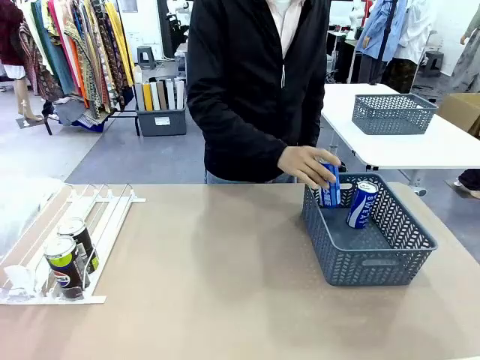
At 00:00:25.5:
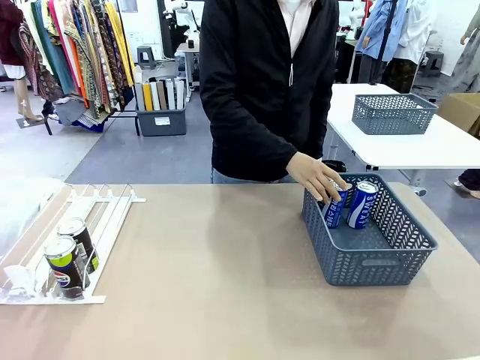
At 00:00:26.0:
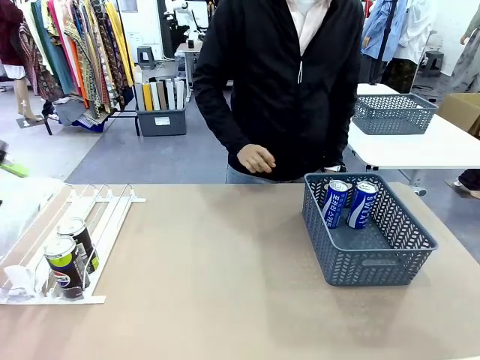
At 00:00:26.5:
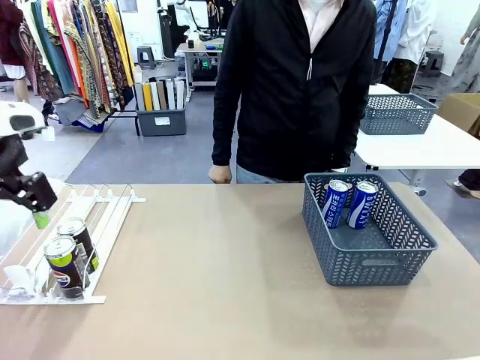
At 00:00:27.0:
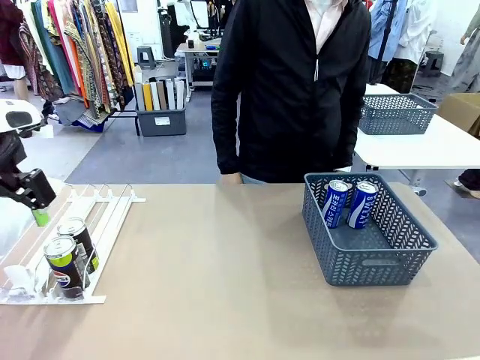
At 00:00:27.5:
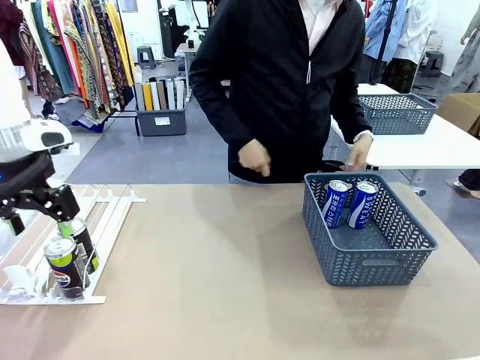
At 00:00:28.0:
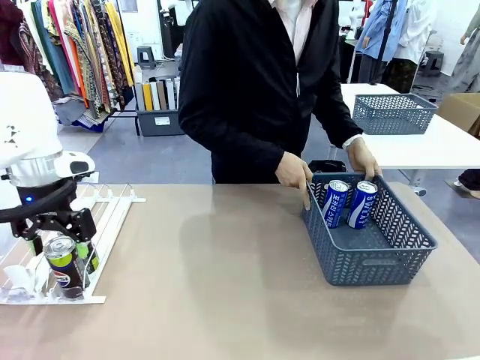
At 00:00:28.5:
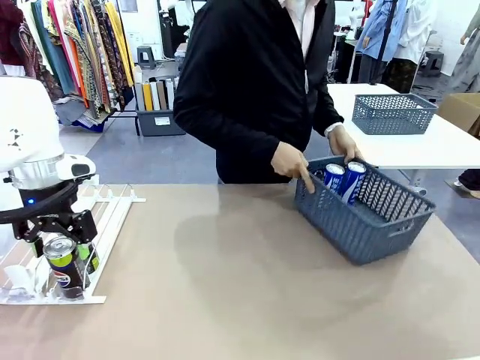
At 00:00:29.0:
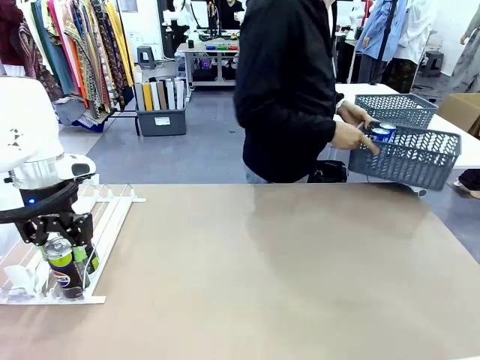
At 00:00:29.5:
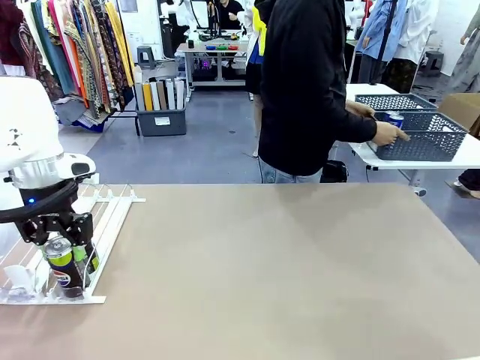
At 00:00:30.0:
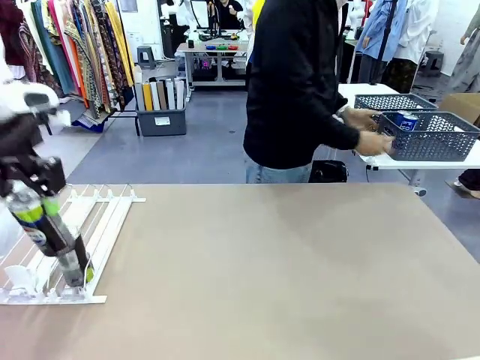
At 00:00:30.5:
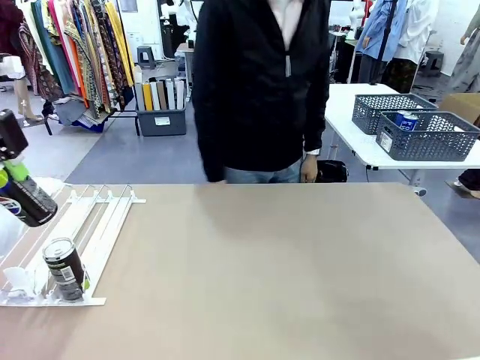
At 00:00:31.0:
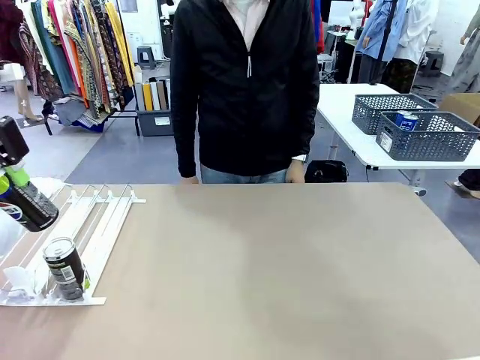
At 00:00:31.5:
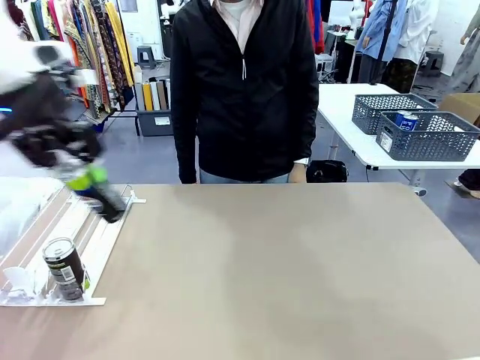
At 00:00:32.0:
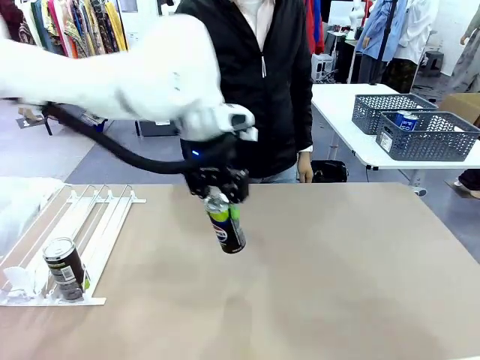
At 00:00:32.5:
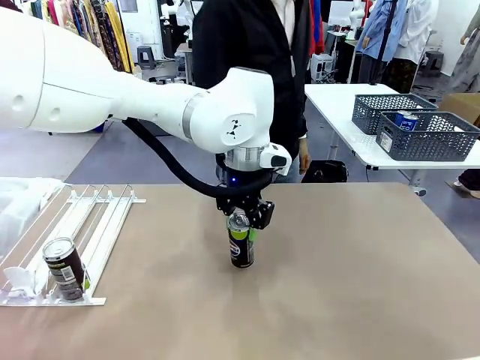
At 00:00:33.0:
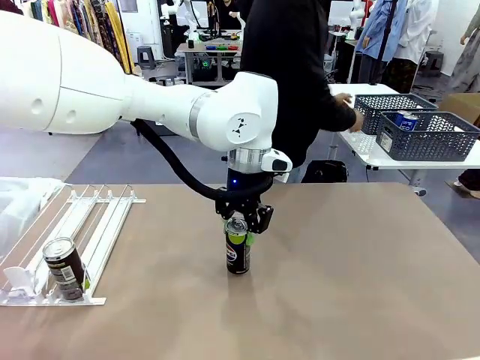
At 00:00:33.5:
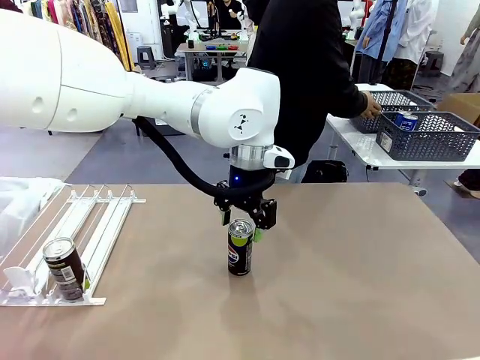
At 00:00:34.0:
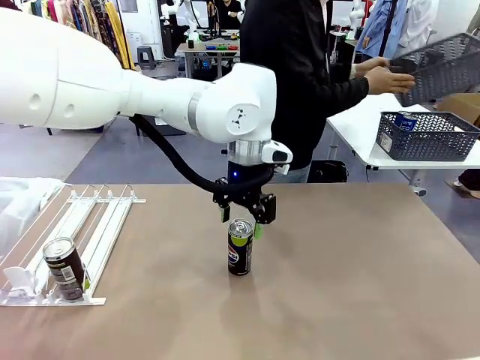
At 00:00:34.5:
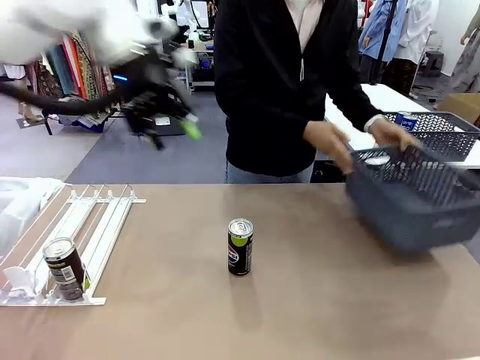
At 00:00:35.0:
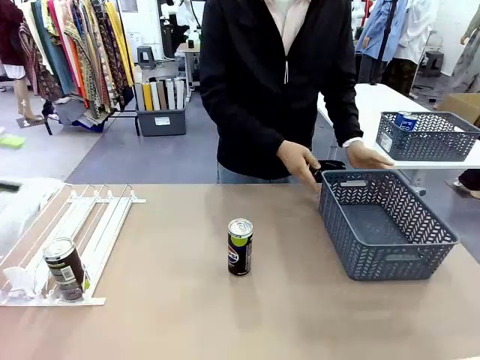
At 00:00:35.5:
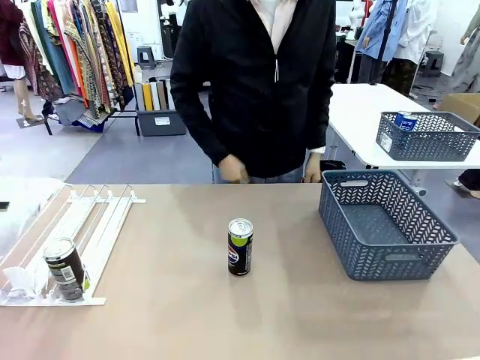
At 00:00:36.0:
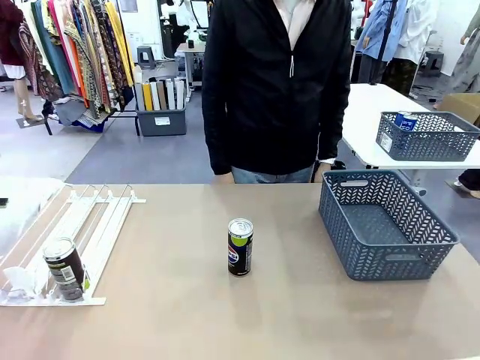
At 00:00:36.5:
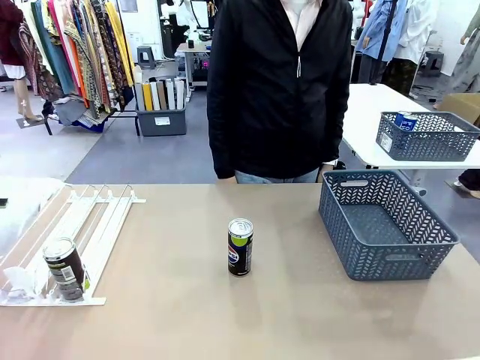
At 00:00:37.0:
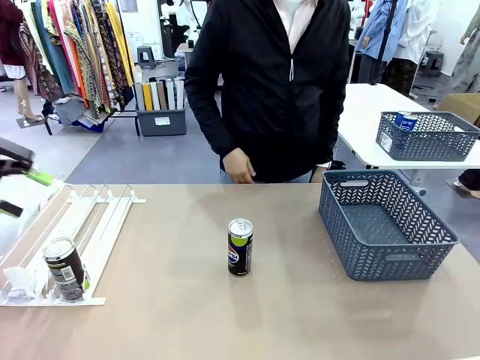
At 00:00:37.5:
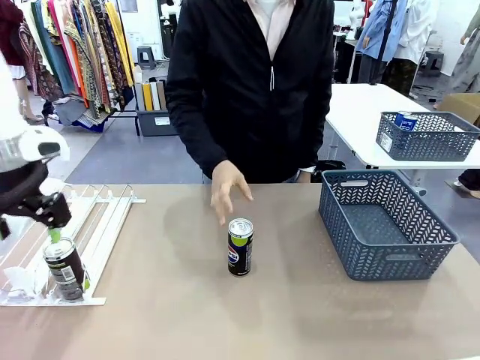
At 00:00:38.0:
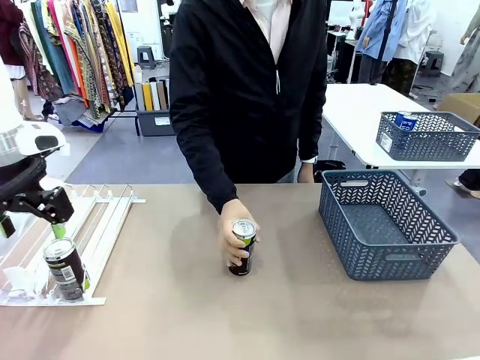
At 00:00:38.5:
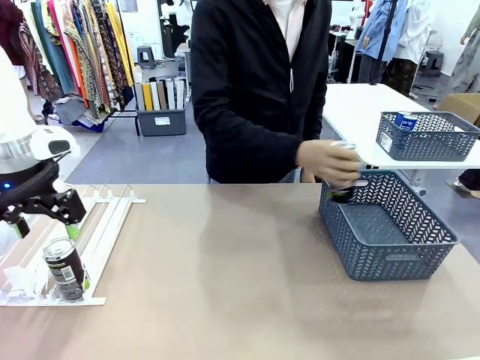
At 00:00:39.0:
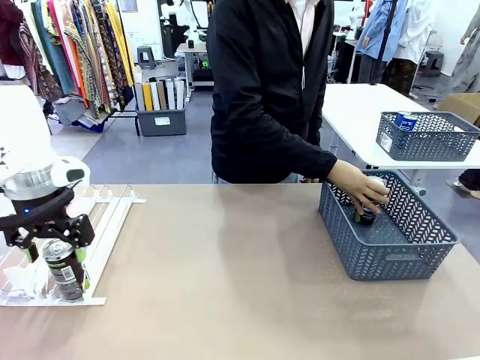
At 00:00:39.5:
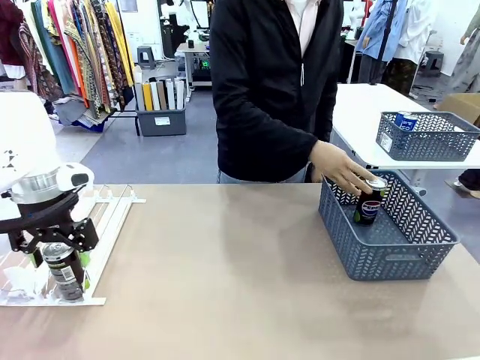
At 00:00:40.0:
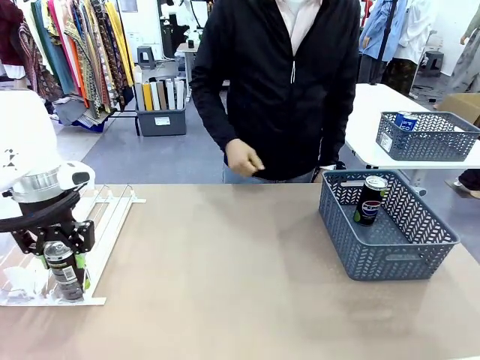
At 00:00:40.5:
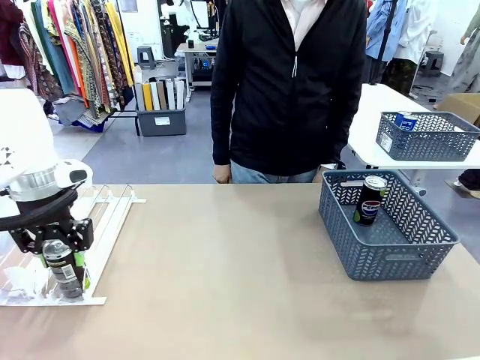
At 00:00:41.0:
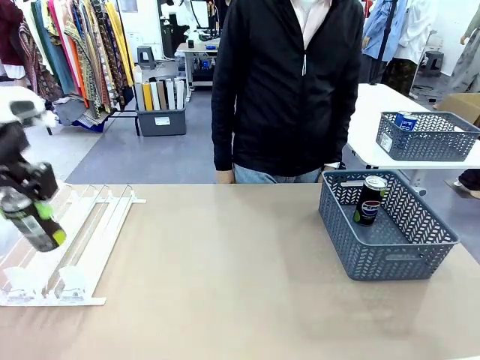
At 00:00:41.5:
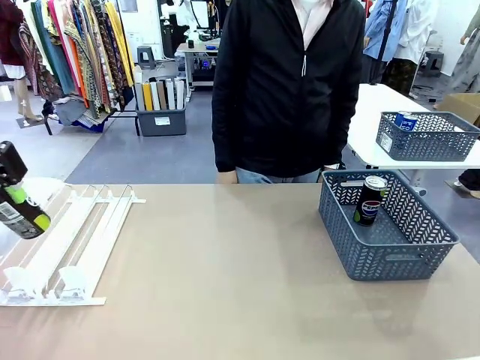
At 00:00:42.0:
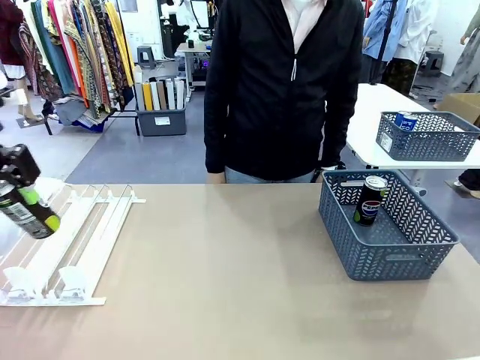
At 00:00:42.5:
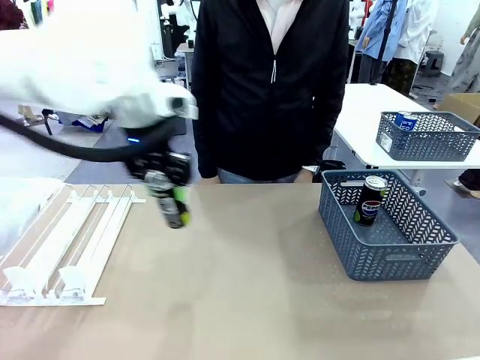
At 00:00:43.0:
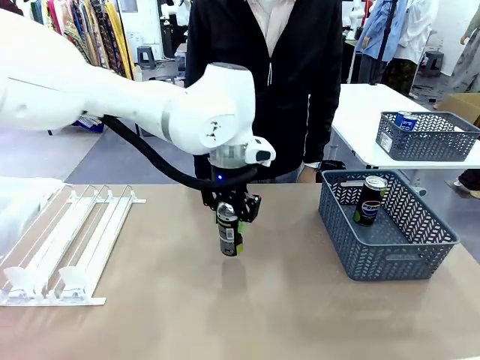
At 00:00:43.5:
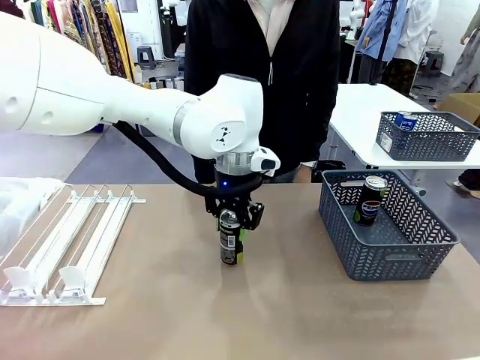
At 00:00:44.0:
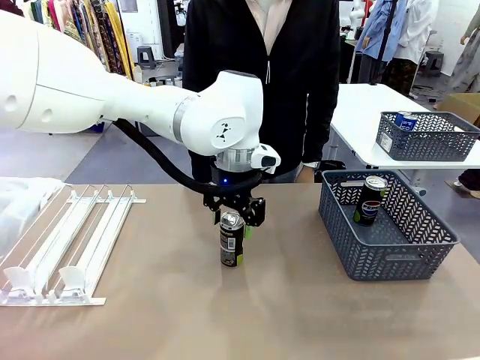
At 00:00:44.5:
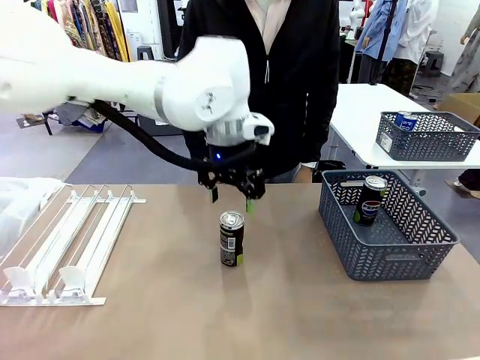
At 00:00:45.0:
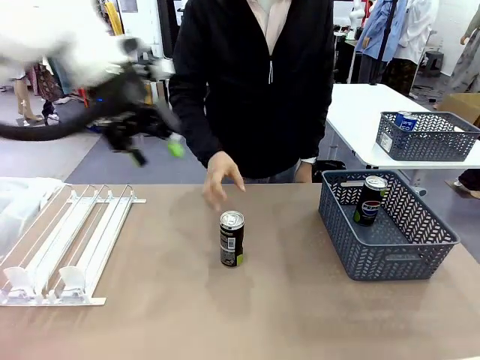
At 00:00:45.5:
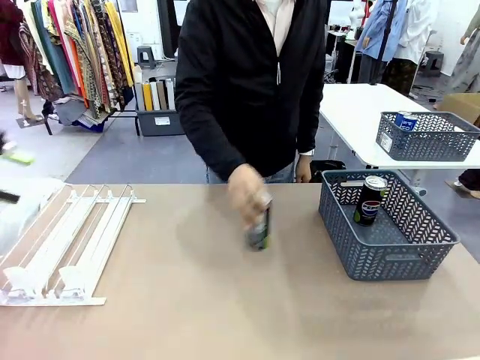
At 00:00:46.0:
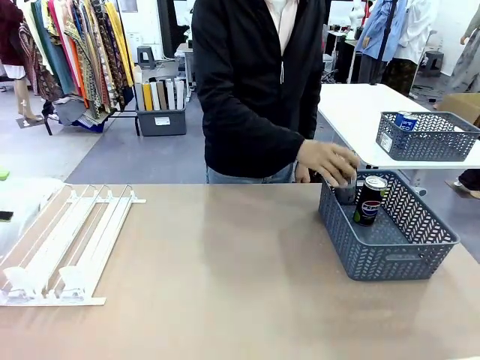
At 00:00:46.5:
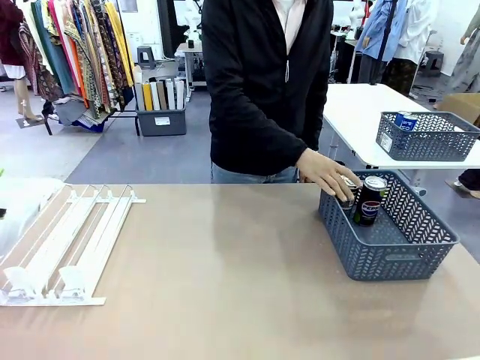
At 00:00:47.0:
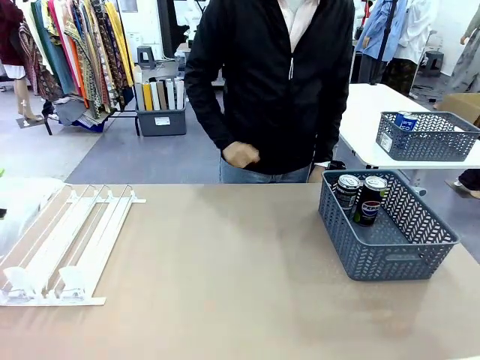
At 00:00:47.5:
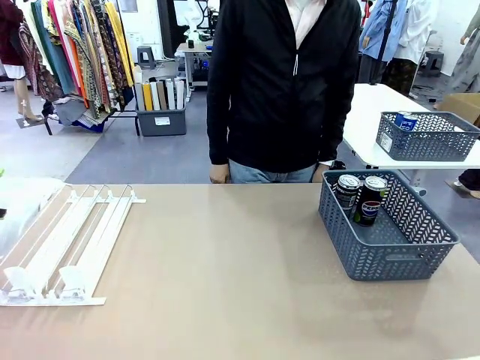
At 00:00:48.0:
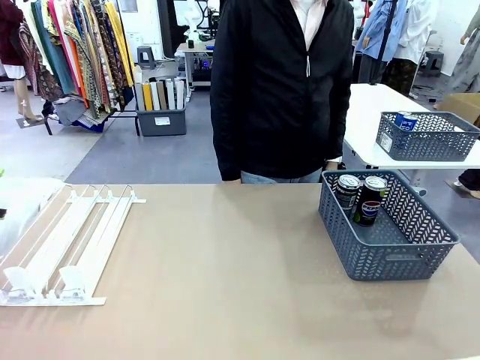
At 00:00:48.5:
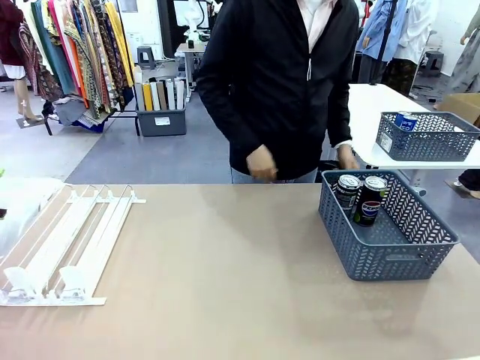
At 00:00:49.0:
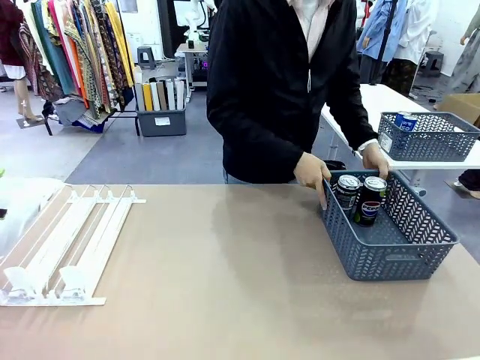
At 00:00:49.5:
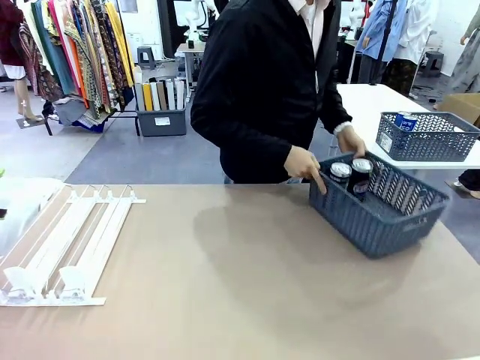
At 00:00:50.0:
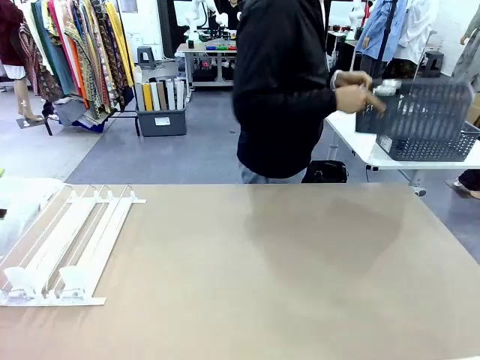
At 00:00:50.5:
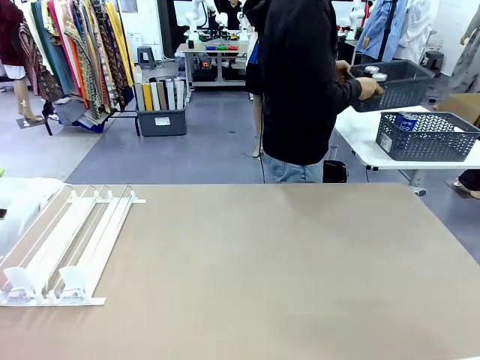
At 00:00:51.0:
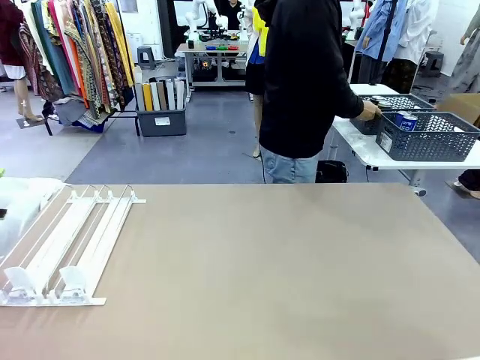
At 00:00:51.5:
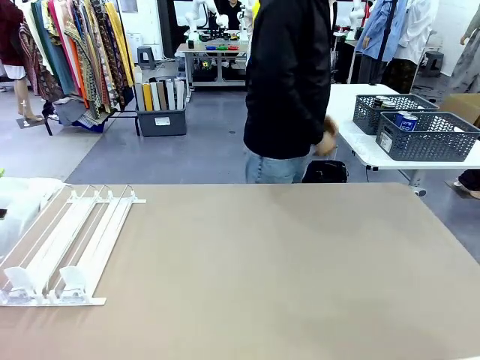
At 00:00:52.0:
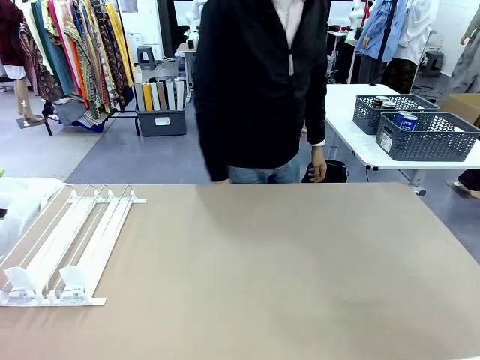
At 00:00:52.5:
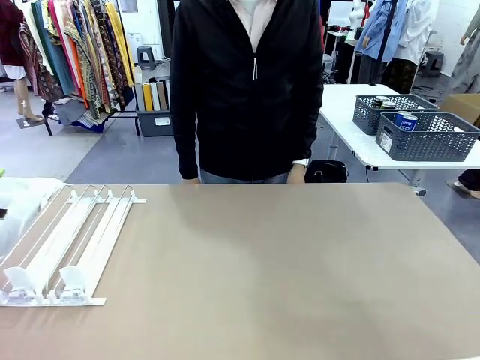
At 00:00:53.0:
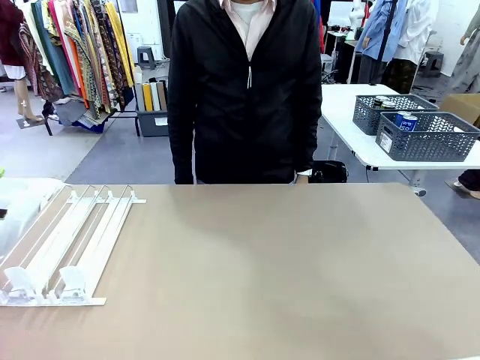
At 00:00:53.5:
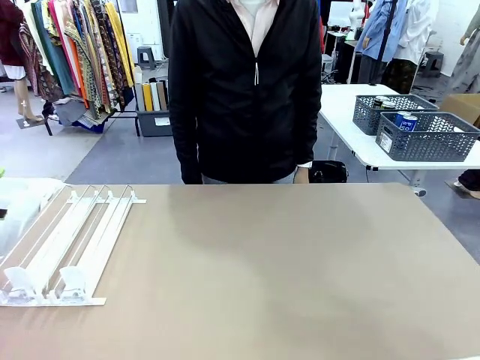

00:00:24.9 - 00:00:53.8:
Task: Retrieve and store the cans from the dispenser.
Robot: Pick up one can from the Automatic Can Dispenser and place it in the middle of the table.
Person: Pick up the basket and place it in the middle of the human table. Pick up the empty basket and place it on the left side of the robot table. Pick up one sports drink can from the middle of the robot table and place it in the basket. Pick up the basket and place it in the middle of the human table.
